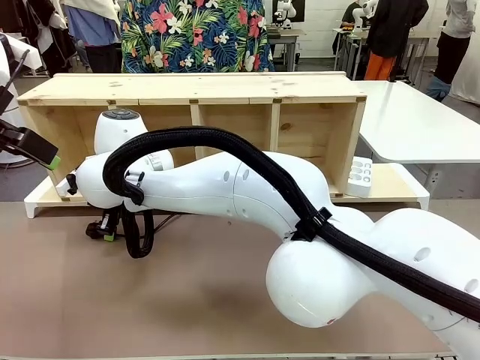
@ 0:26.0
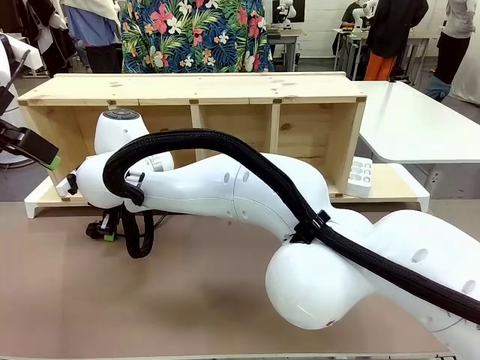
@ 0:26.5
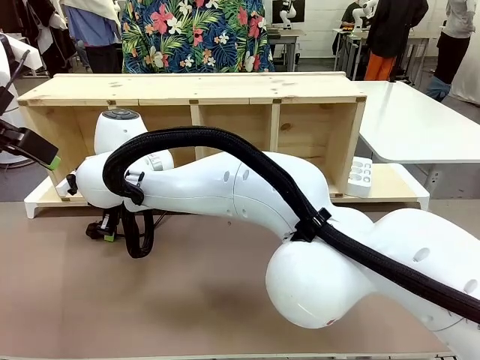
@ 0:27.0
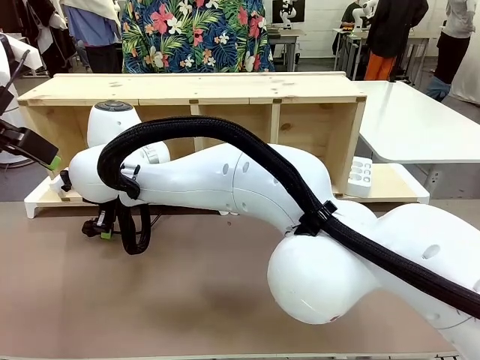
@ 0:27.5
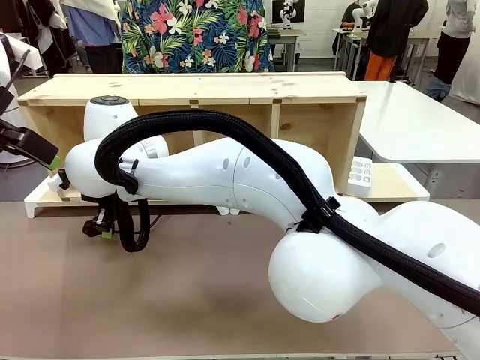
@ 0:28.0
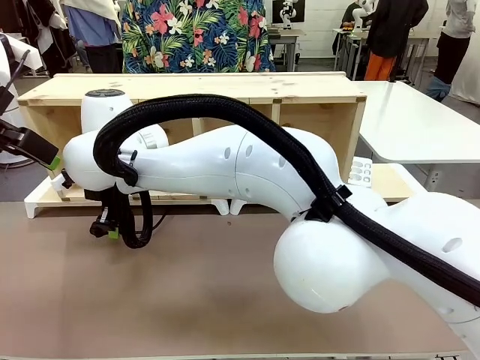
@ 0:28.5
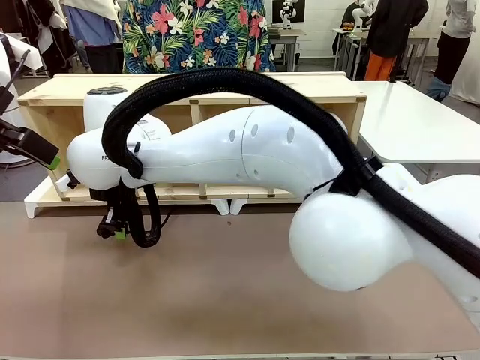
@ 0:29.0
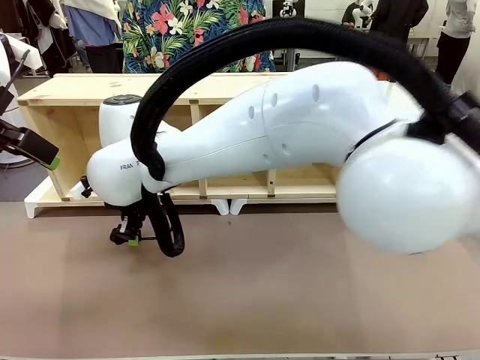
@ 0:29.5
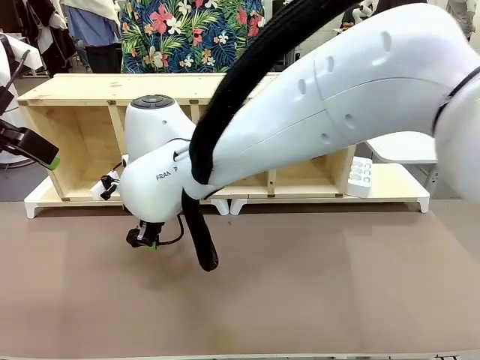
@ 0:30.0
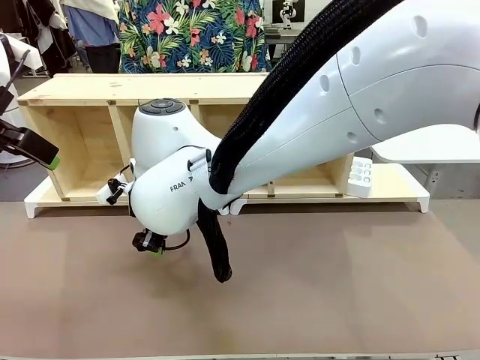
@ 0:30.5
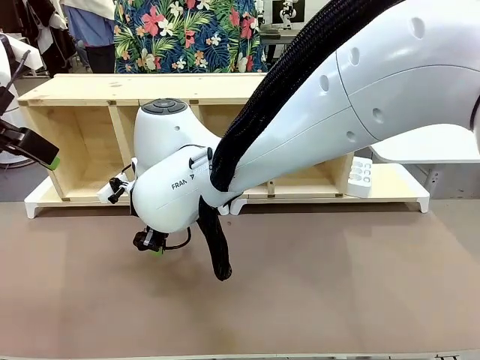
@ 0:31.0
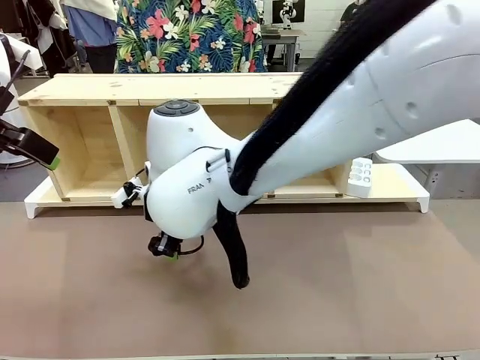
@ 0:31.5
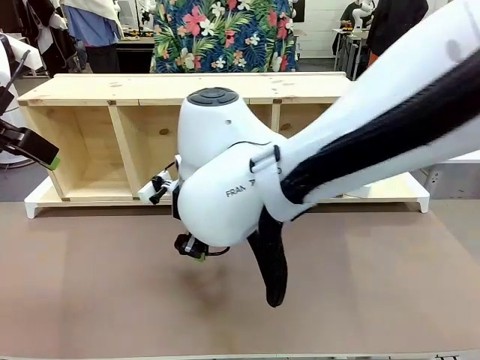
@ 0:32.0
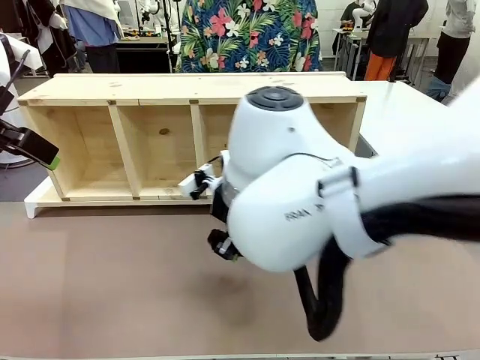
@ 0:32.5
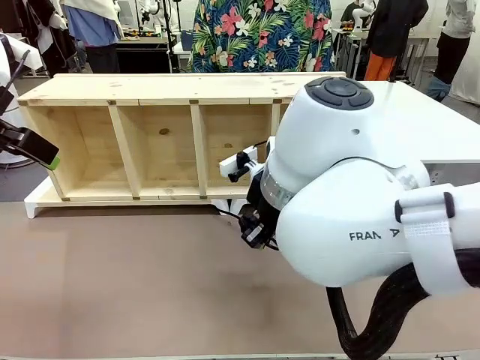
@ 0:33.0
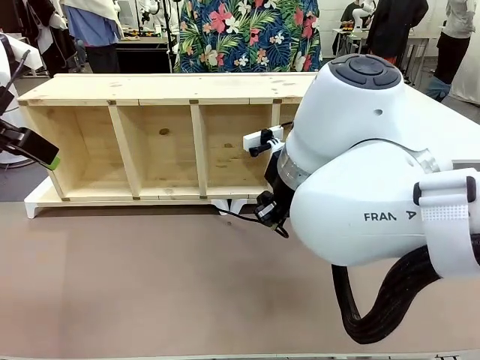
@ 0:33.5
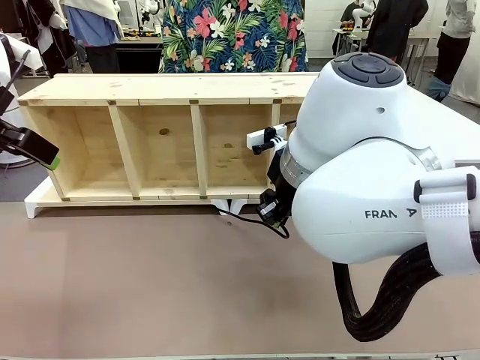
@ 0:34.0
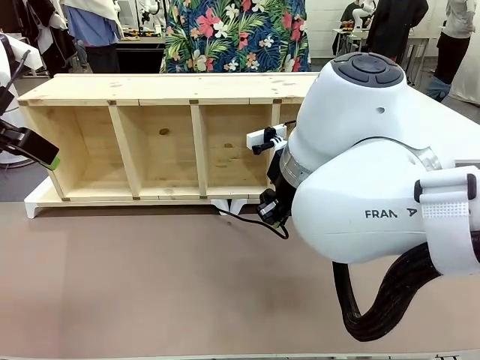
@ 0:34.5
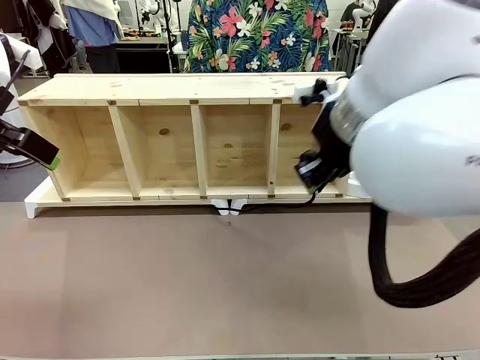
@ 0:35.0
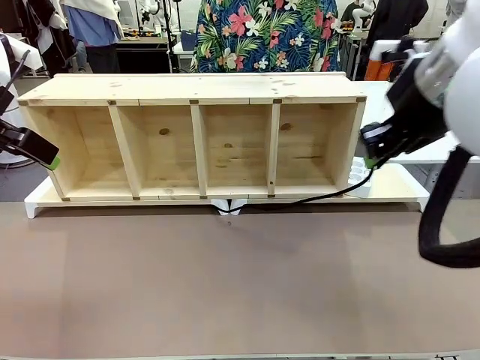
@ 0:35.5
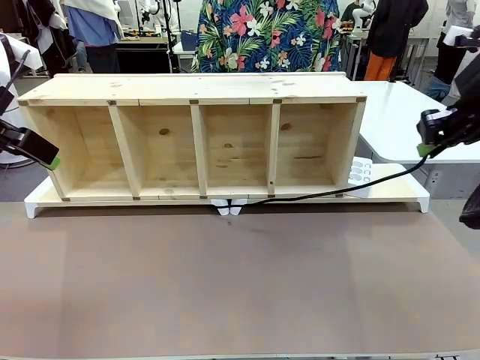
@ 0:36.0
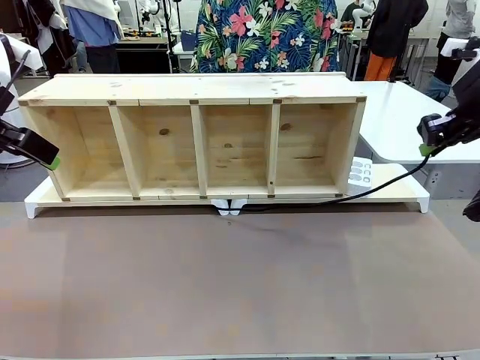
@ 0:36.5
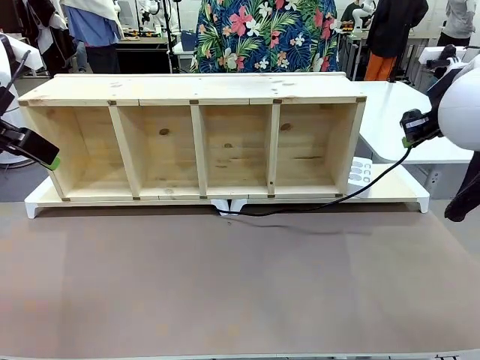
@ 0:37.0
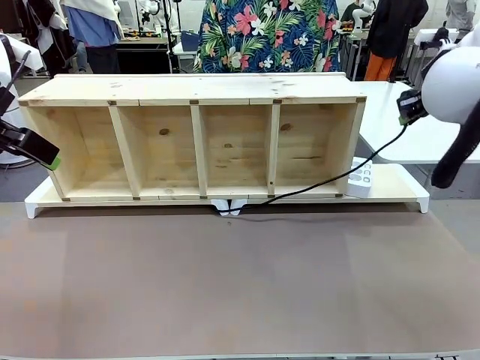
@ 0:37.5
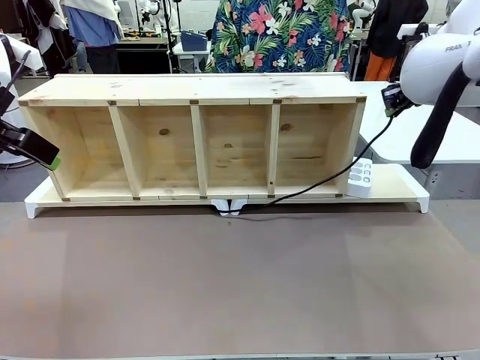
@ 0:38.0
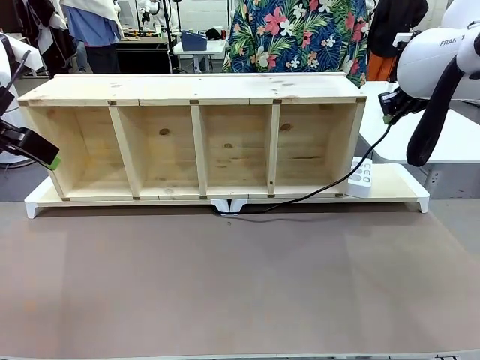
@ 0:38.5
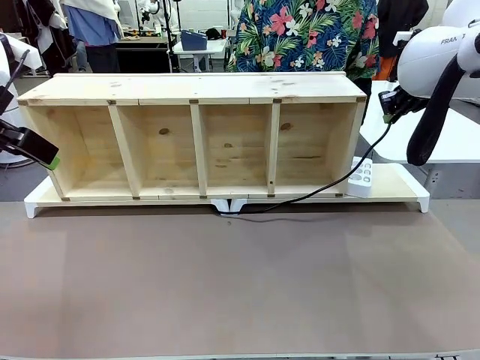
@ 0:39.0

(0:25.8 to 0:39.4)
Task: Perform cable management.
Robot: Pull the grasped Power Cable to the location of the Power Strip.

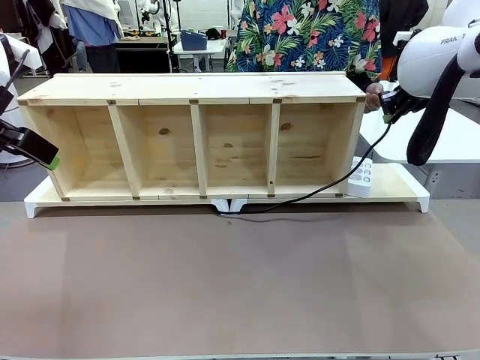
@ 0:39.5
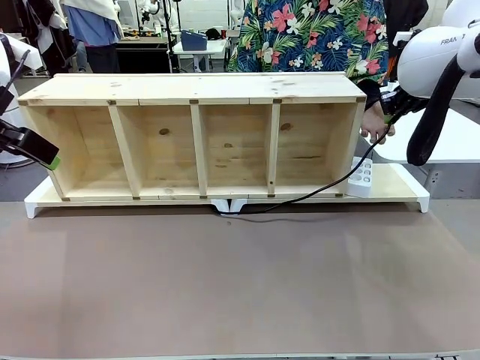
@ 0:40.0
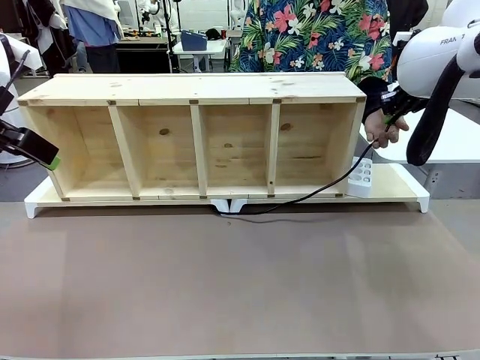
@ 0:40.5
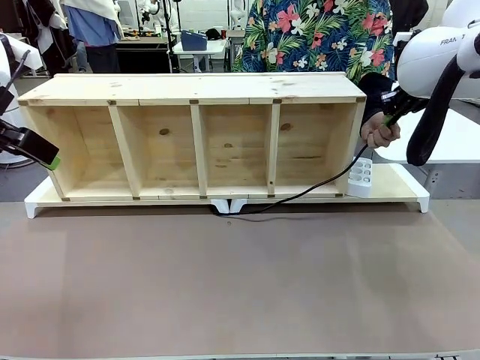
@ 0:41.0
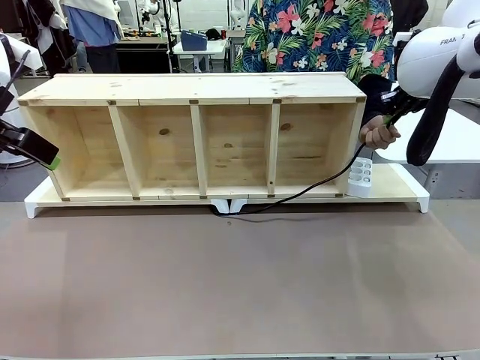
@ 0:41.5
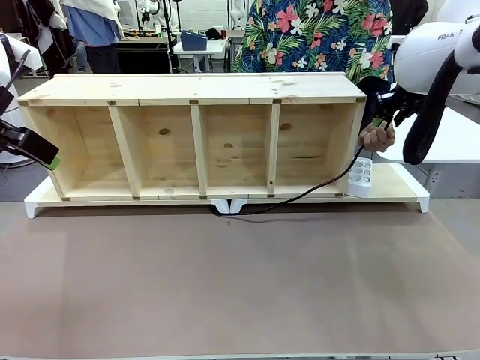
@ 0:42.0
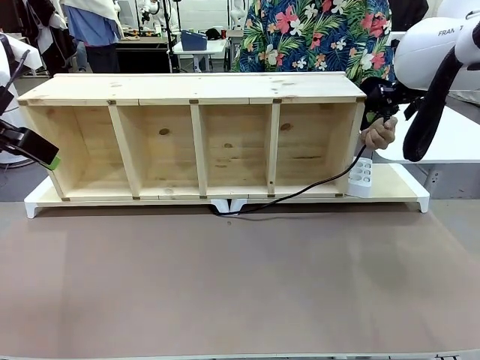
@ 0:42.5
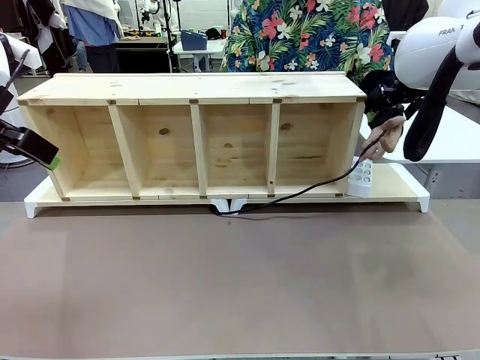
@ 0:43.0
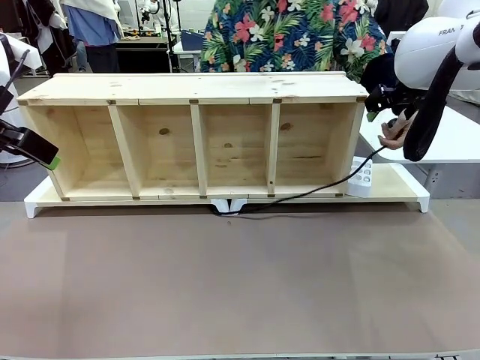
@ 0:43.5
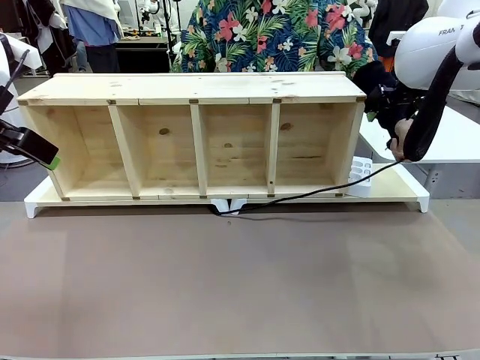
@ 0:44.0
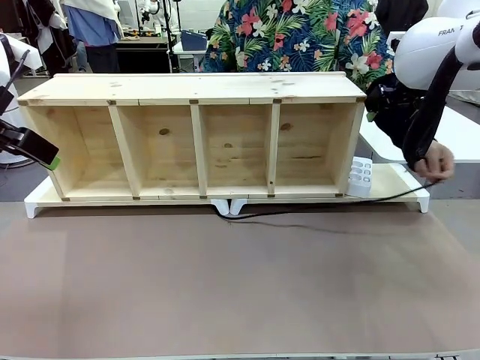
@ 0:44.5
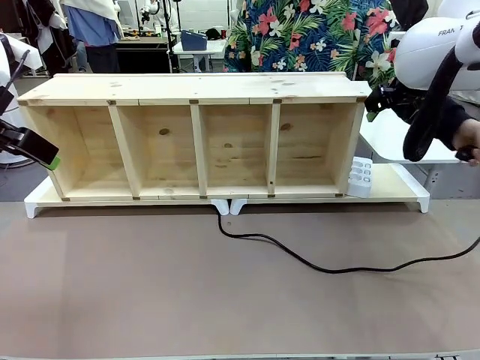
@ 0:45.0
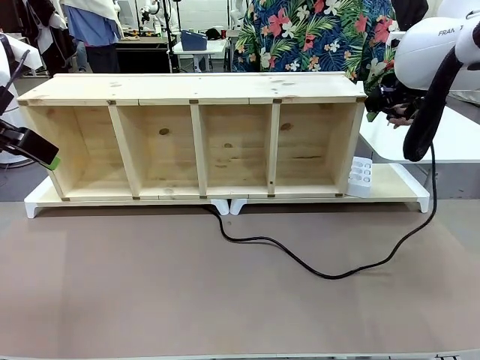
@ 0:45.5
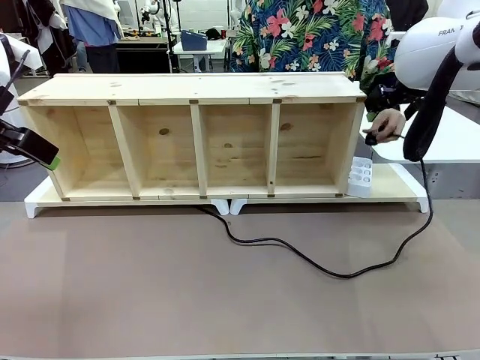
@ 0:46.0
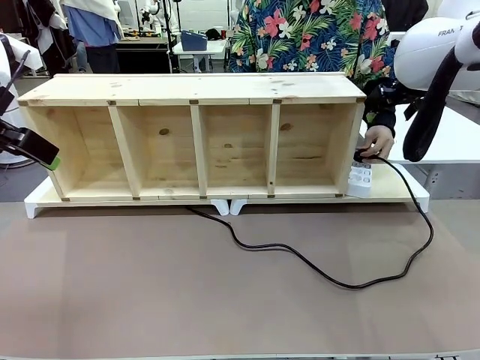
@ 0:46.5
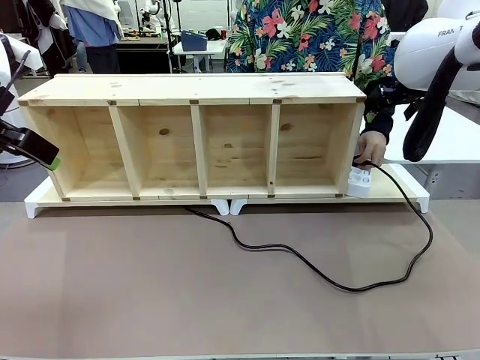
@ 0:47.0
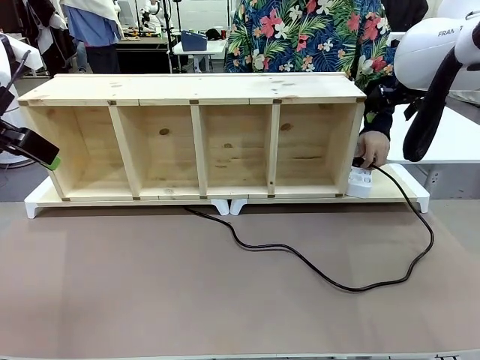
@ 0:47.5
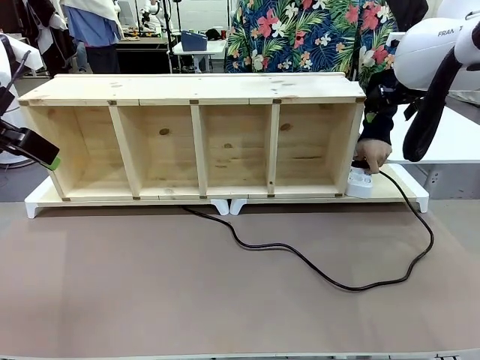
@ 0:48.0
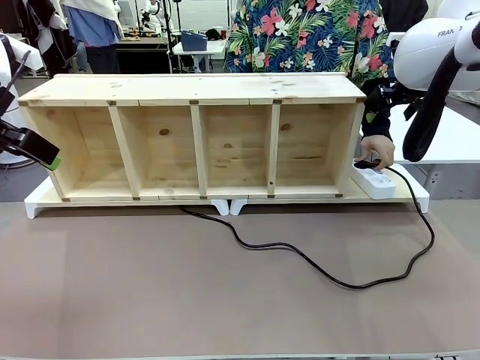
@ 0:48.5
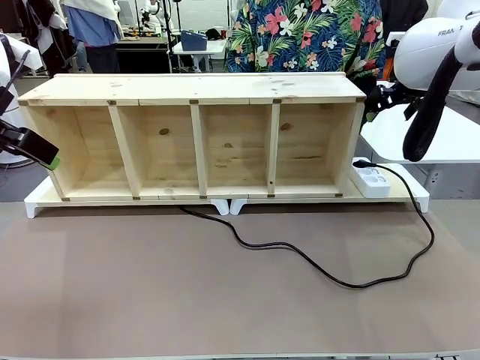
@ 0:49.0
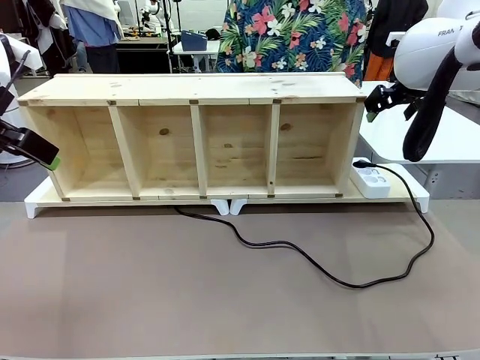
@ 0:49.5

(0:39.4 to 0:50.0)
Robot: Release the Power Cable when the human grasps it.
Person: Plug the Power Cable into the Power Strip.
